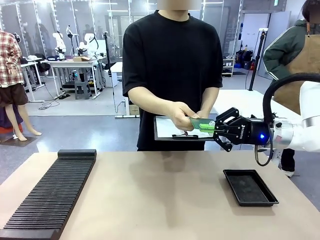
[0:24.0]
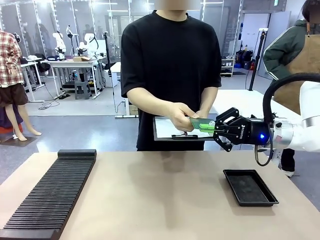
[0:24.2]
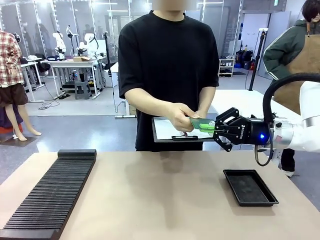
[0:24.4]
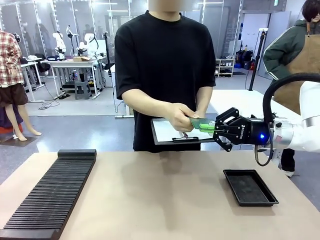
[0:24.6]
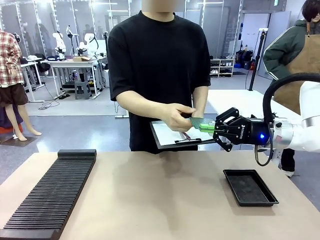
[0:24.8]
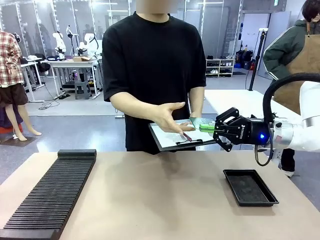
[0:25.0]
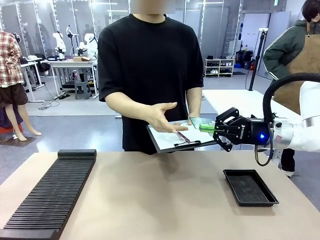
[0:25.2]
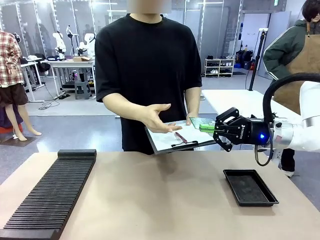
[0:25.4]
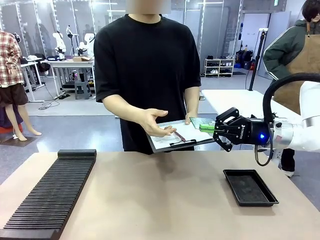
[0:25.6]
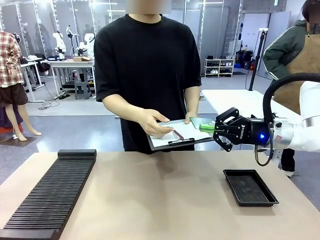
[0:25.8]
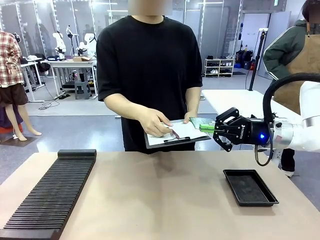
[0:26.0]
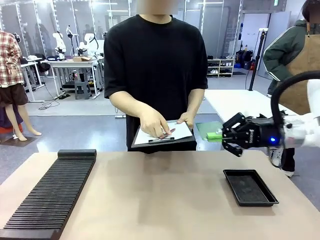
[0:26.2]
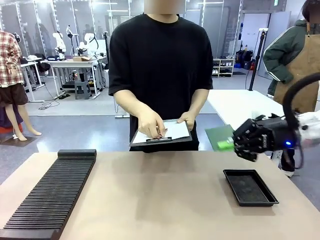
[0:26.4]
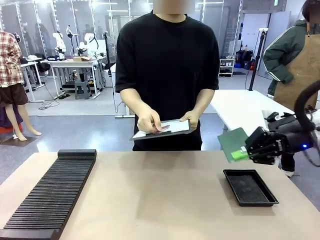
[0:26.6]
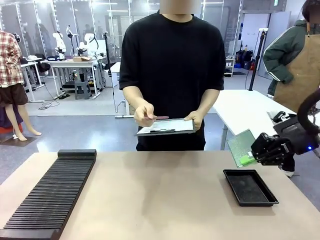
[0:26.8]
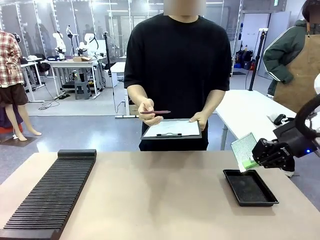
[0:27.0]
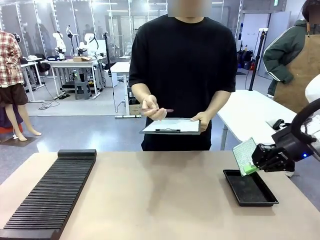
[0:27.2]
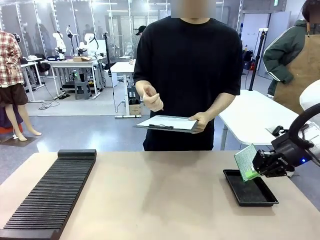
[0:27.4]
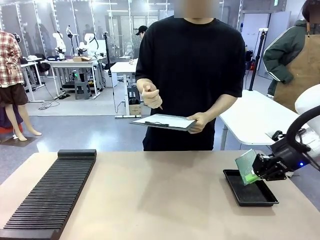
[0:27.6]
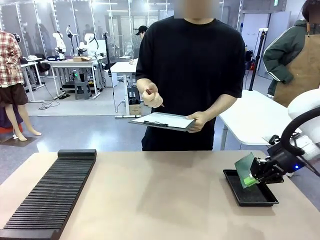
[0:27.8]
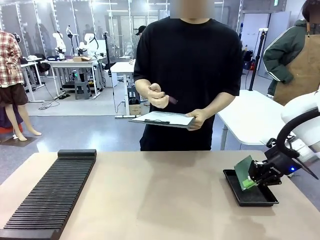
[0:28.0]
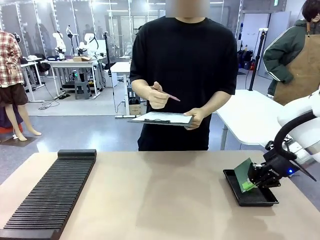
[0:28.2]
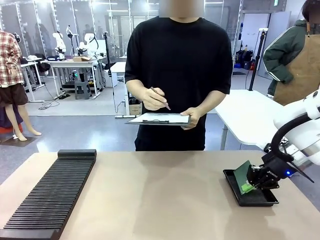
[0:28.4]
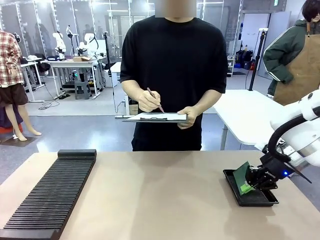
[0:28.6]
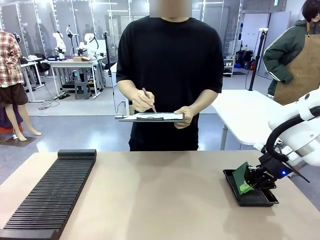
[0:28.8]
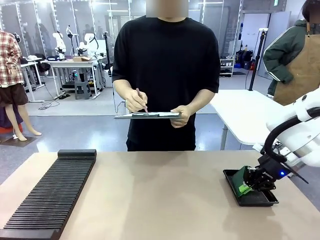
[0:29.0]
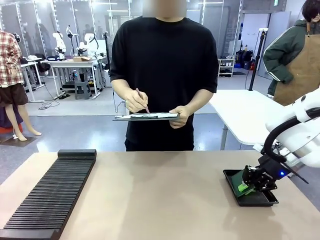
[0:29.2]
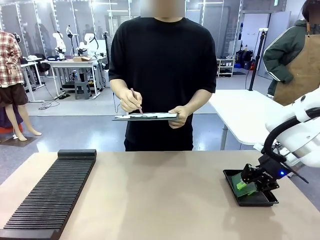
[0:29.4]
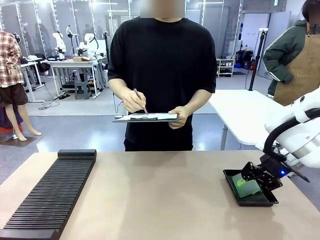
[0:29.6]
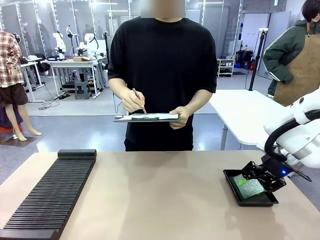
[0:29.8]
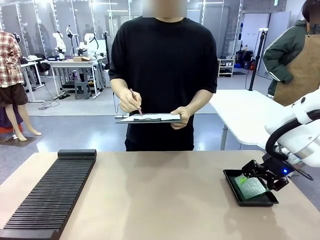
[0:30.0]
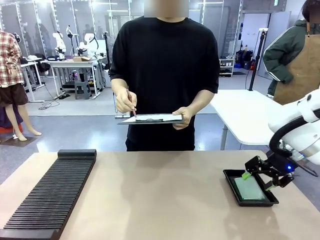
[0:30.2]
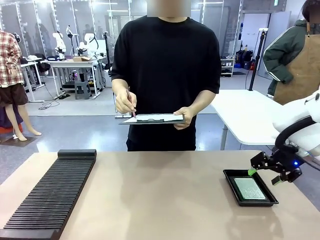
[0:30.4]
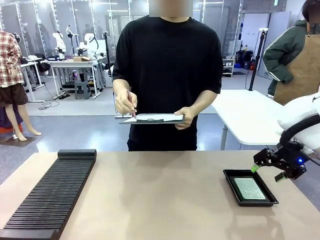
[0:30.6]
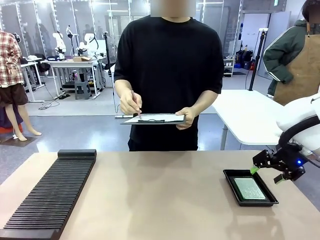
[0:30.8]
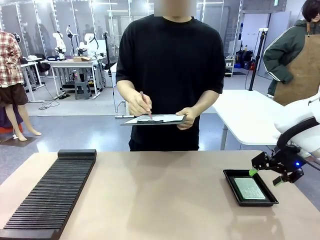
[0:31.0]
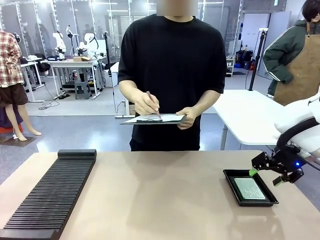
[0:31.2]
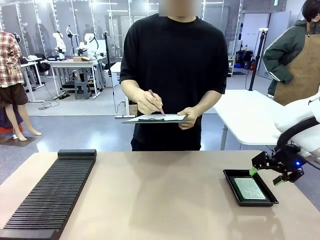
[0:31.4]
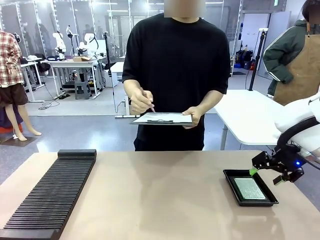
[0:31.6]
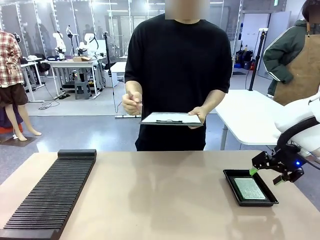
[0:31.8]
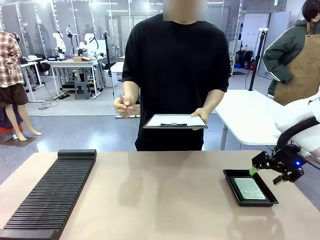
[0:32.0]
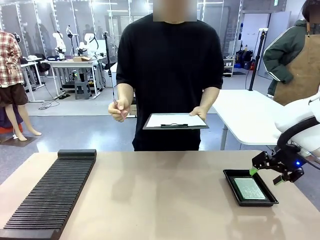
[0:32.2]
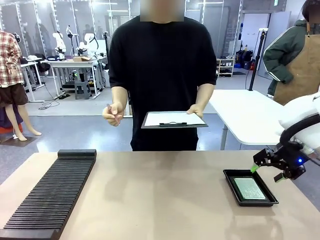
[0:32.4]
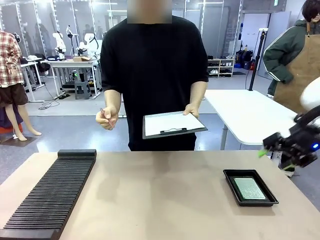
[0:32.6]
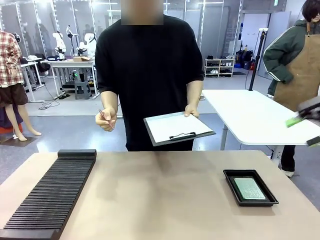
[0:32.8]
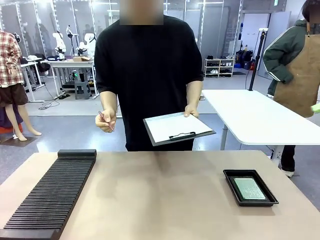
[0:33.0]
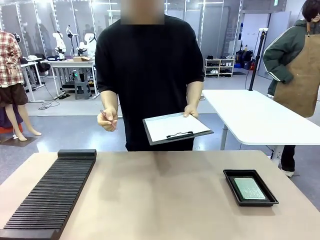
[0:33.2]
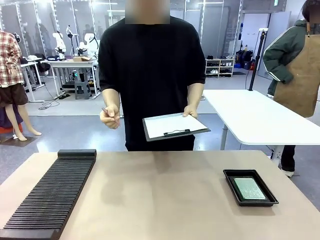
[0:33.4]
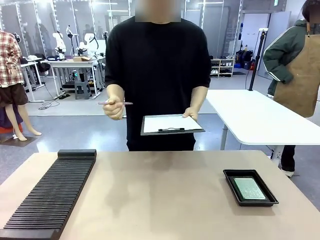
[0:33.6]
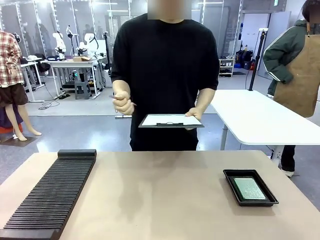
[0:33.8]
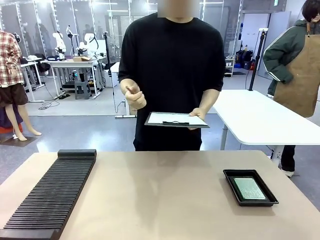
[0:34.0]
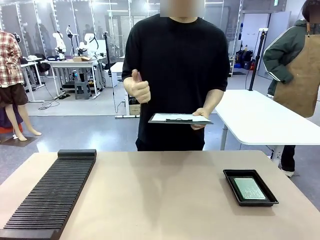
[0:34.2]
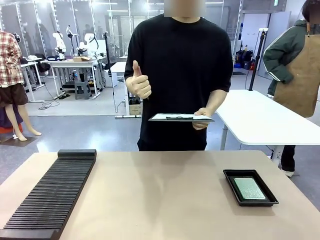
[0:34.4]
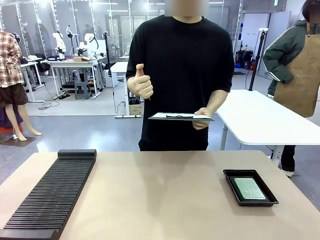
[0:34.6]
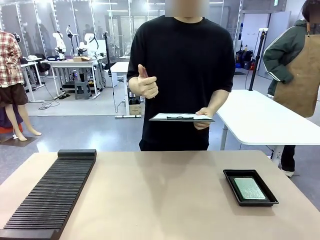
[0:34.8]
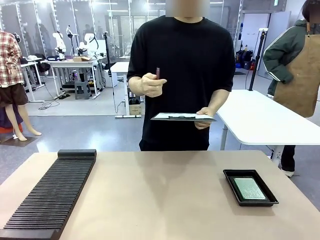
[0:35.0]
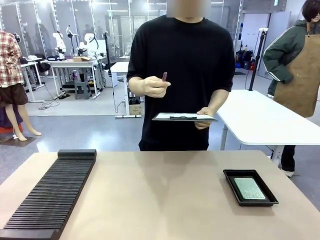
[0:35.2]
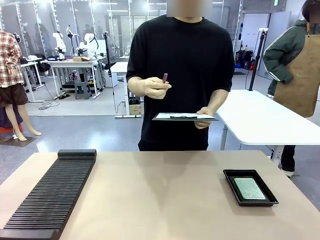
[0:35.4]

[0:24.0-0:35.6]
Task: Inspect the PCB.
Robot: Place the Blank PCB in the ESD tray.
Person: Record the PCB status on the paper.

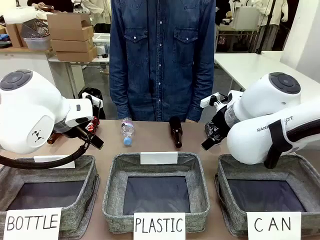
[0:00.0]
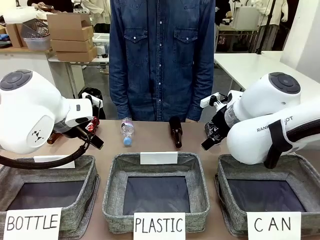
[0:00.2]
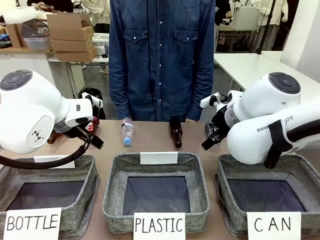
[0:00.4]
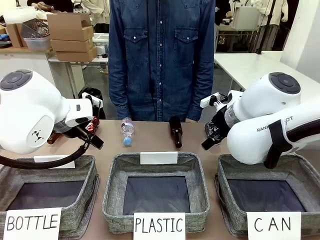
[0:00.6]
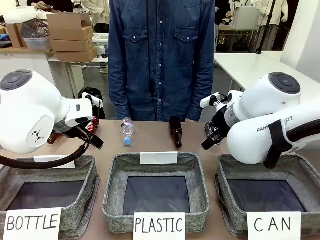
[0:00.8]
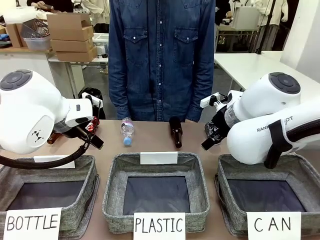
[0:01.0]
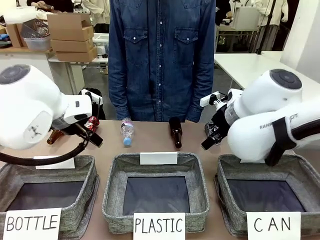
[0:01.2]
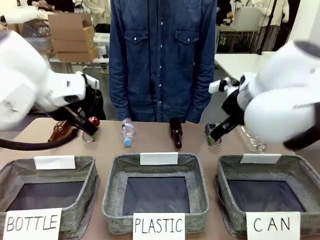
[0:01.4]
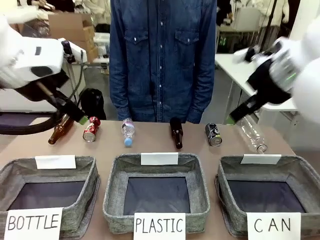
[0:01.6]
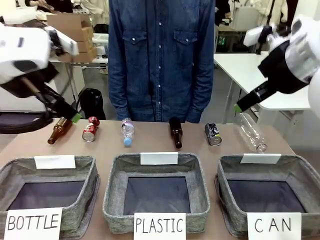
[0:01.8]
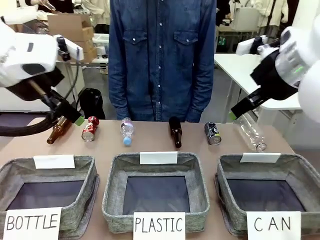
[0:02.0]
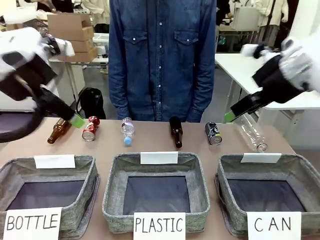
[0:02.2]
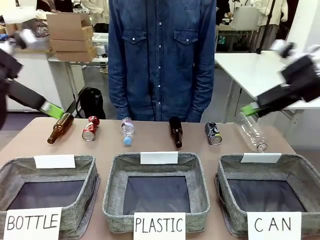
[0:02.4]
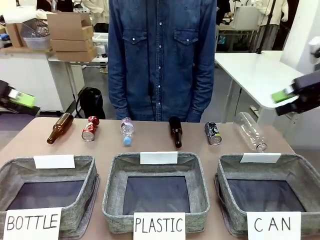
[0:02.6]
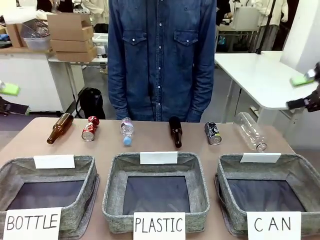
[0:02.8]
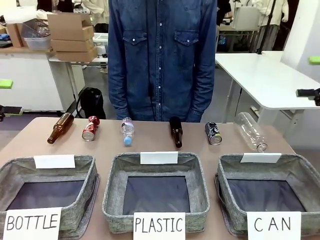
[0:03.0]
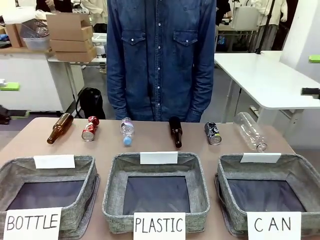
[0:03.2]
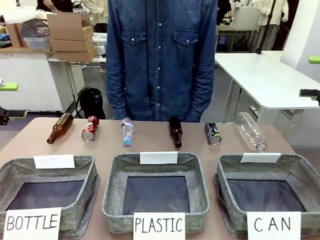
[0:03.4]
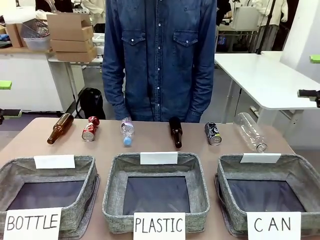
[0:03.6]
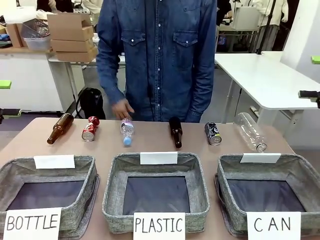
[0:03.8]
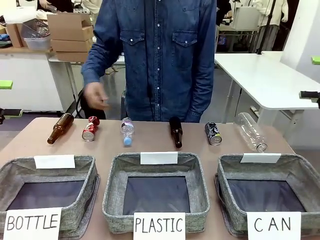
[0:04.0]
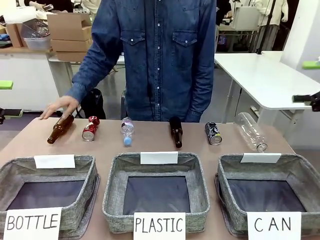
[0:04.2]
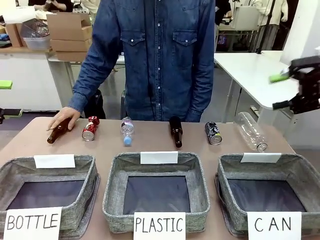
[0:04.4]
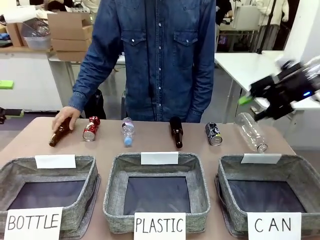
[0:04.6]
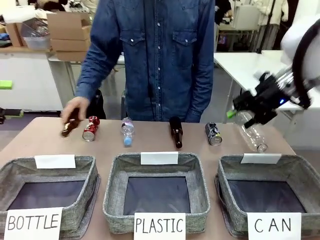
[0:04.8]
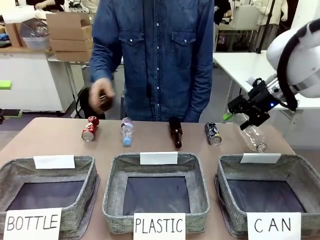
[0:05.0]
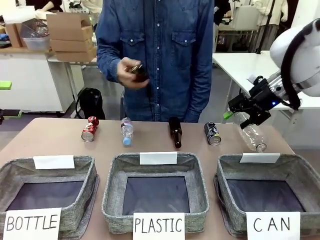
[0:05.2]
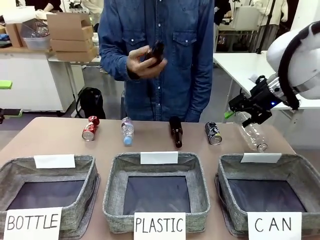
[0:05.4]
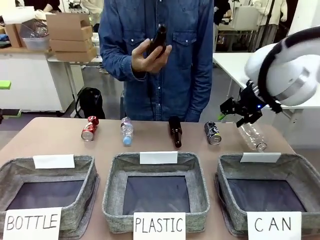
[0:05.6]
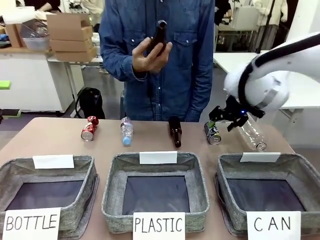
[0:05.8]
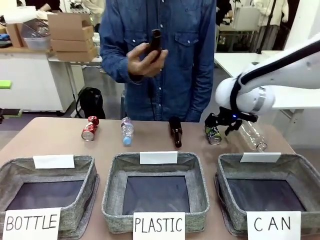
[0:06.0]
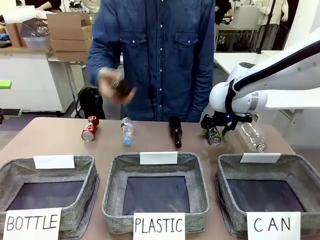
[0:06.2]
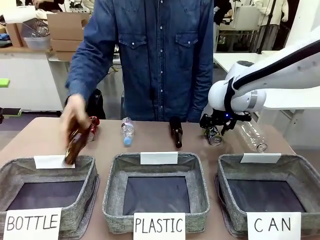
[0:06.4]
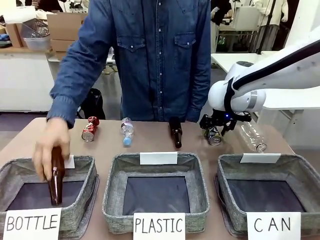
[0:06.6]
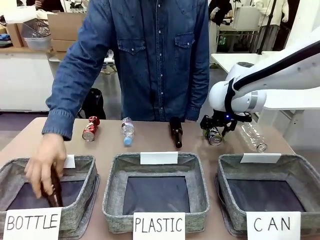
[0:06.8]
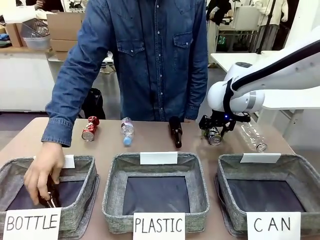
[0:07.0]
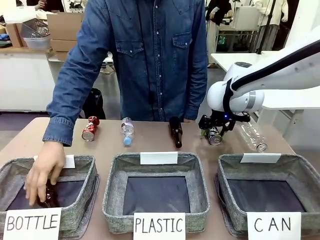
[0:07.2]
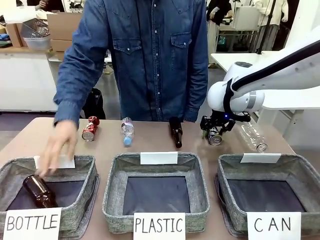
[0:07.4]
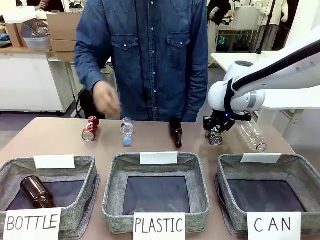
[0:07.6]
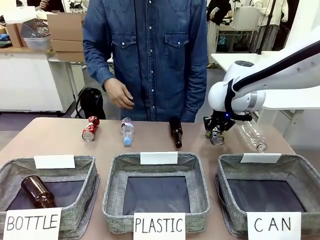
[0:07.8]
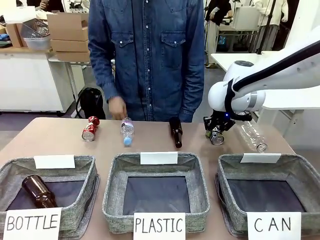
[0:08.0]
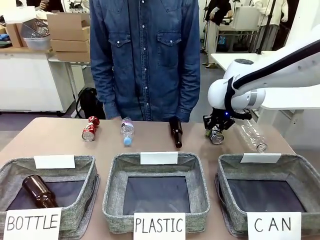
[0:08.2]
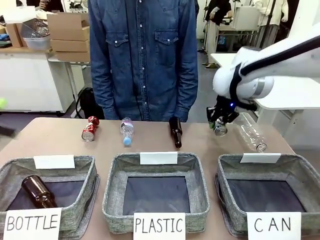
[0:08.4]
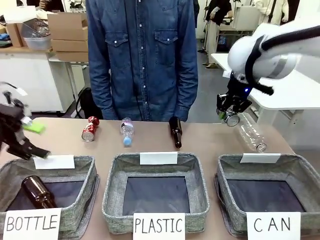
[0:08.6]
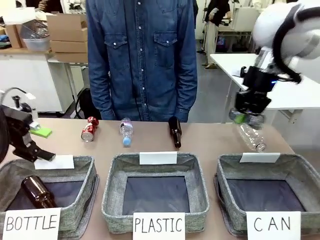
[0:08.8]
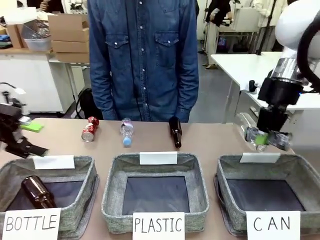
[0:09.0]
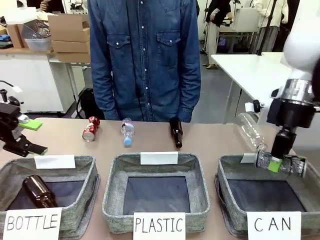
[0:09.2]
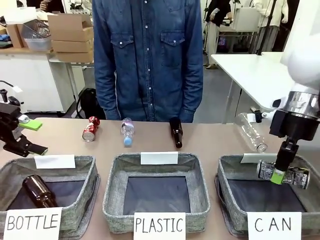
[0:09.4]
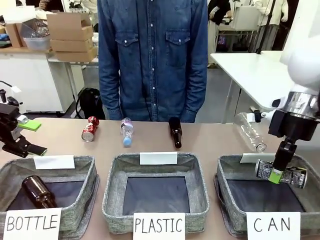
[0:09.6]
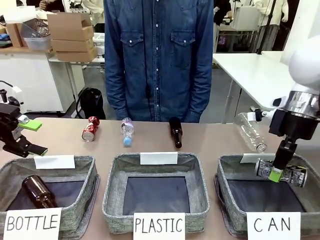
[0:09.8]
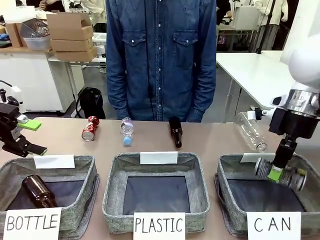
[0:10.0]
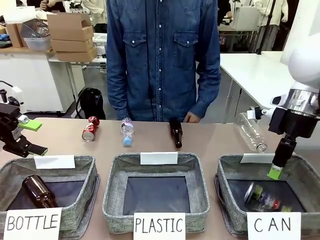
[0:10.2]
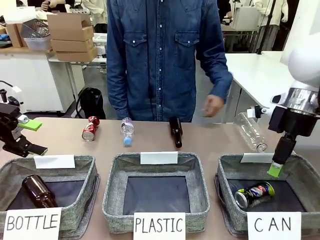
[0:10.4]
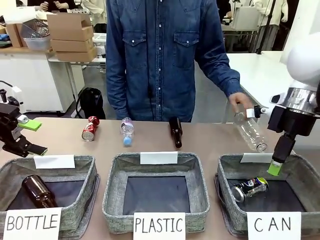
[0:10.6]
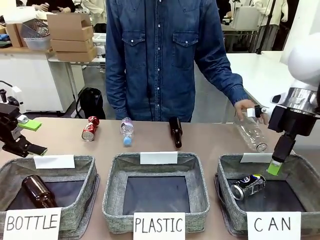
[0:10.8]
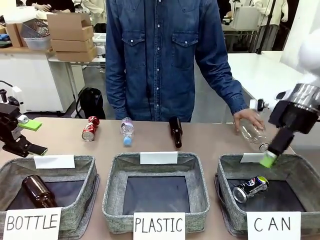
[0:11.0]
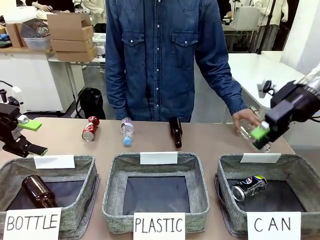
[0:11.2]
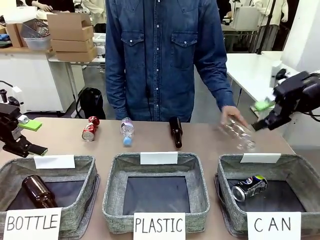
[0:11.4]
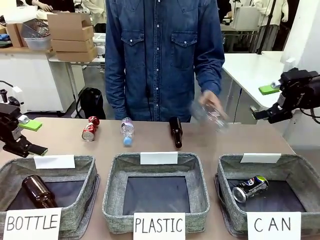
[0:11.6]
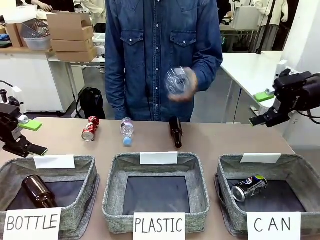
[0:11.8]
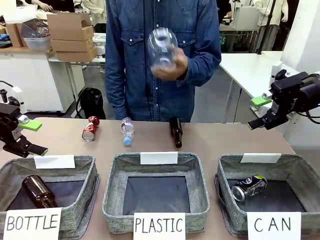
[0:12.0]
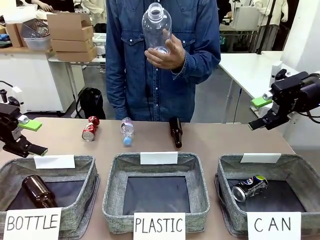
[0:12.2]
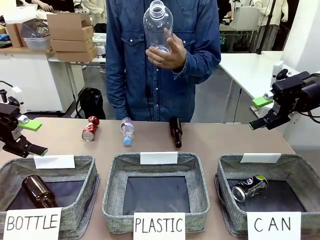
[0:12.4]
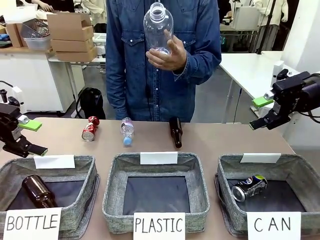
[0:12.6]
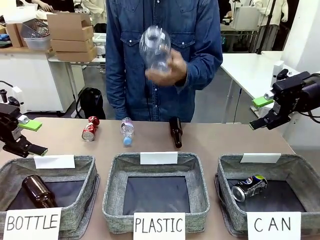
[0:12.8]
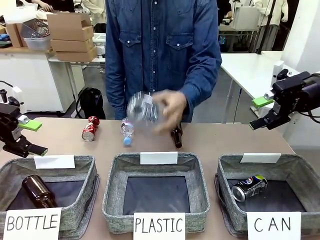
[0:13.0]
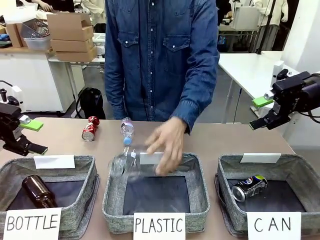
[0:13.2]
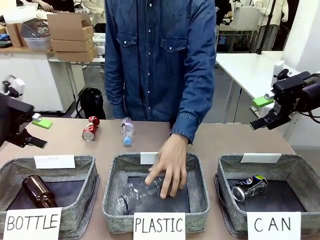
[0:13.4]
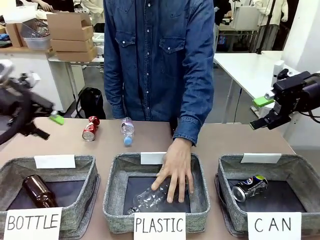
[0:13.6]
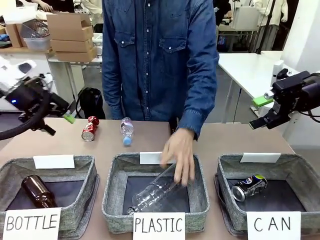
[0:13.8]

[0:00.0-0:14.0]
Task: Sort the can waste into the basket.
Robot: Pick up the can waste from the table and place it in the right Fabric basket.
